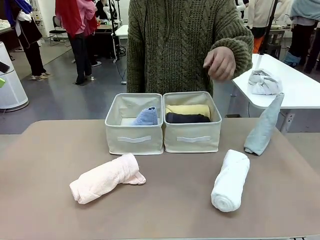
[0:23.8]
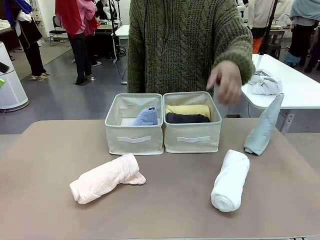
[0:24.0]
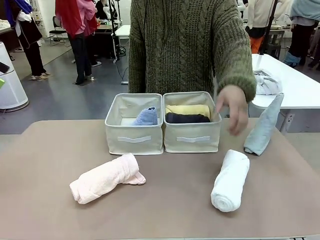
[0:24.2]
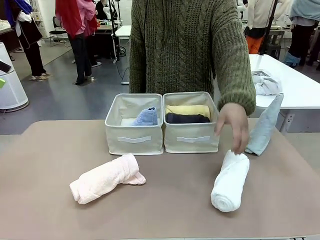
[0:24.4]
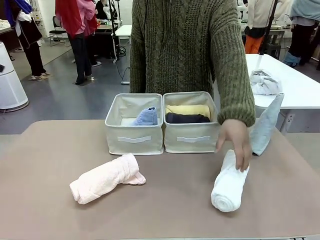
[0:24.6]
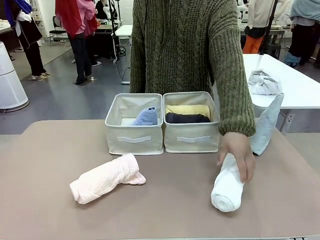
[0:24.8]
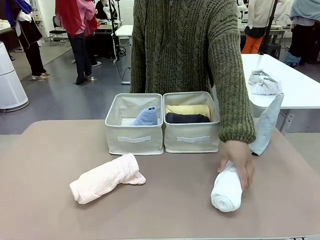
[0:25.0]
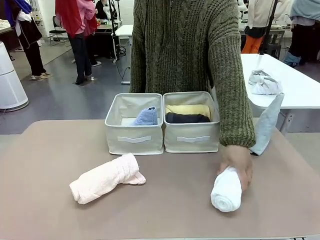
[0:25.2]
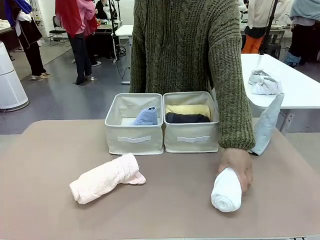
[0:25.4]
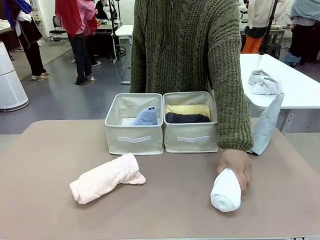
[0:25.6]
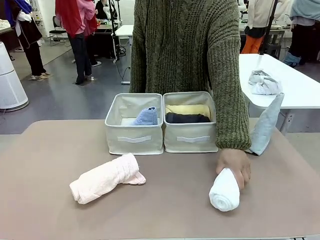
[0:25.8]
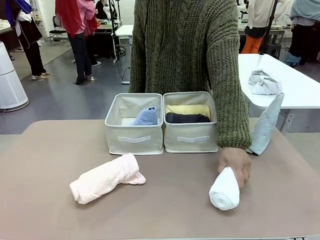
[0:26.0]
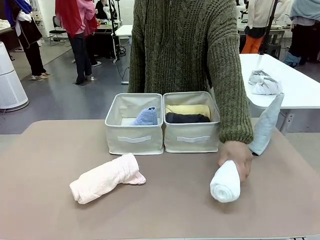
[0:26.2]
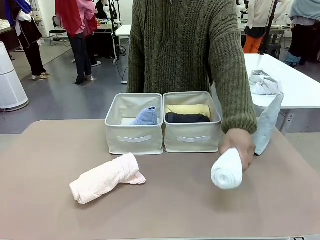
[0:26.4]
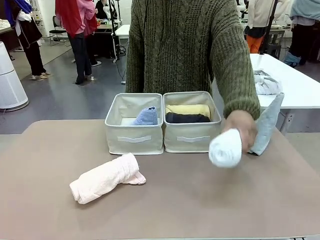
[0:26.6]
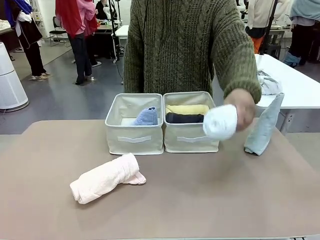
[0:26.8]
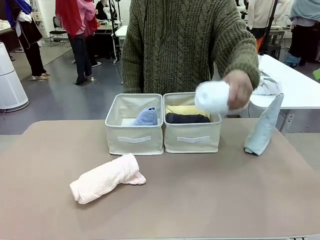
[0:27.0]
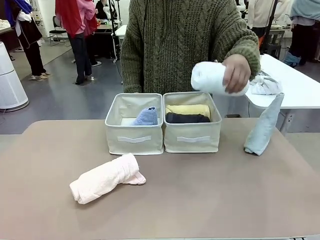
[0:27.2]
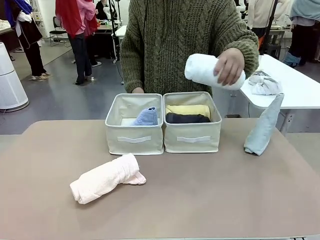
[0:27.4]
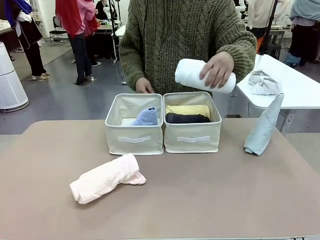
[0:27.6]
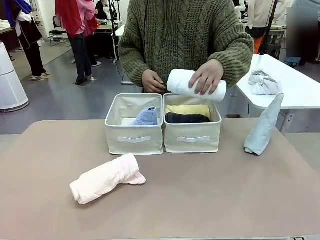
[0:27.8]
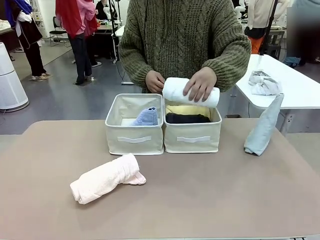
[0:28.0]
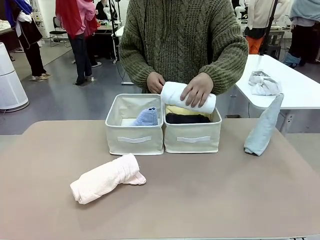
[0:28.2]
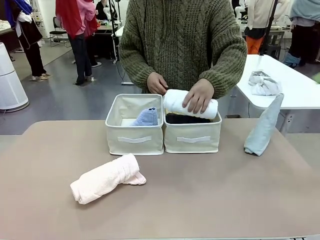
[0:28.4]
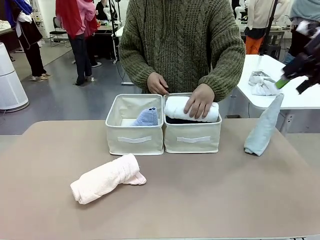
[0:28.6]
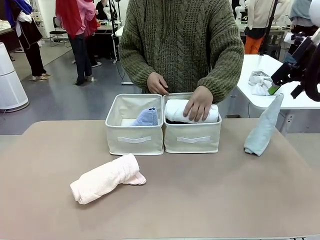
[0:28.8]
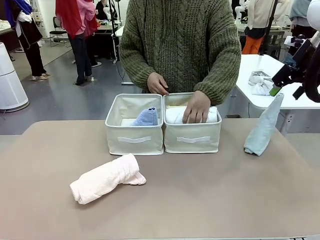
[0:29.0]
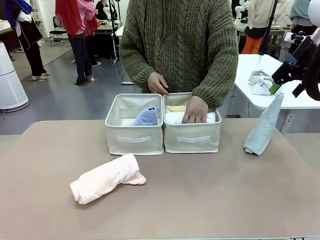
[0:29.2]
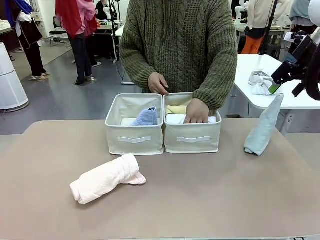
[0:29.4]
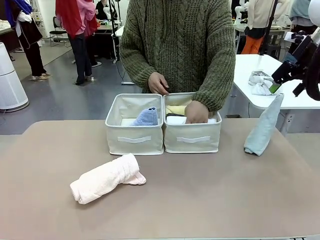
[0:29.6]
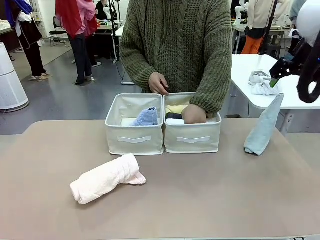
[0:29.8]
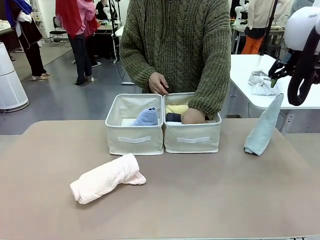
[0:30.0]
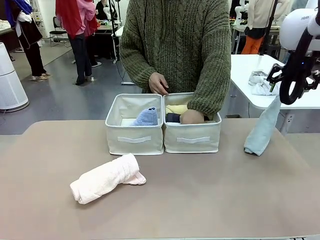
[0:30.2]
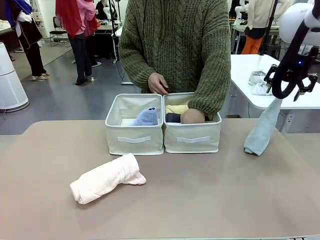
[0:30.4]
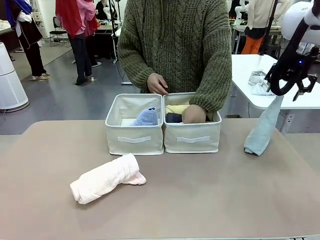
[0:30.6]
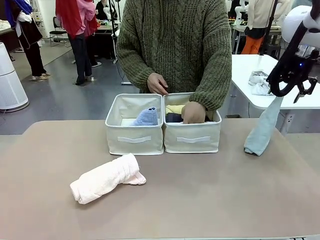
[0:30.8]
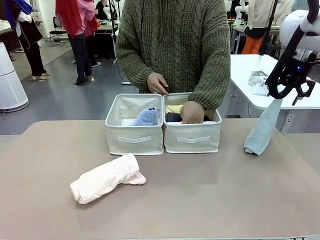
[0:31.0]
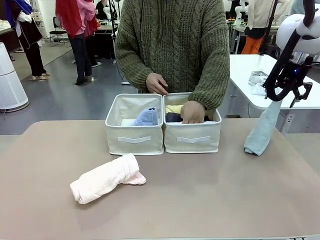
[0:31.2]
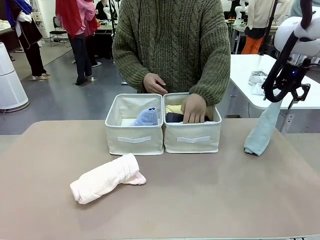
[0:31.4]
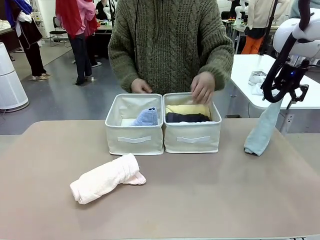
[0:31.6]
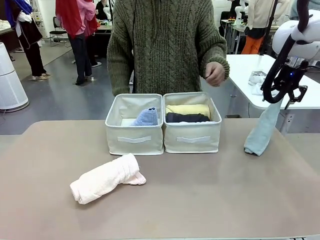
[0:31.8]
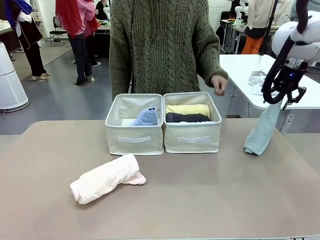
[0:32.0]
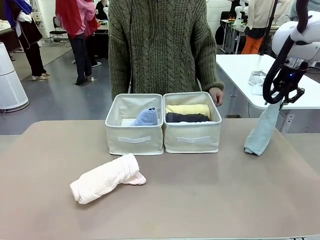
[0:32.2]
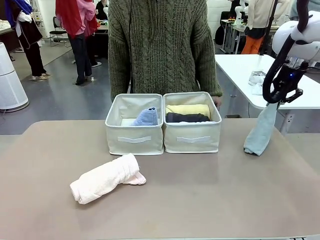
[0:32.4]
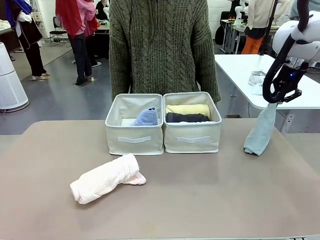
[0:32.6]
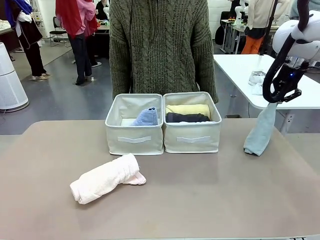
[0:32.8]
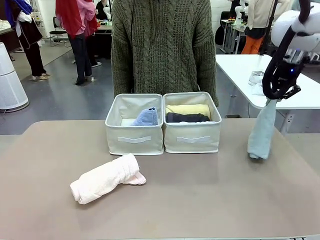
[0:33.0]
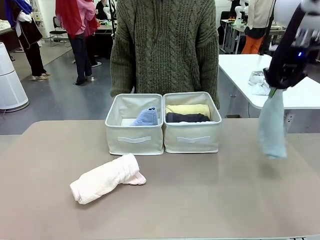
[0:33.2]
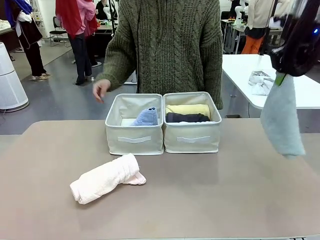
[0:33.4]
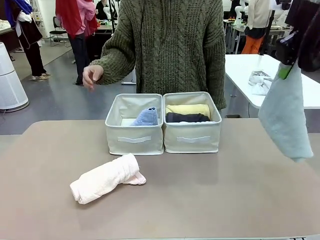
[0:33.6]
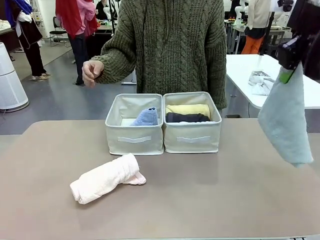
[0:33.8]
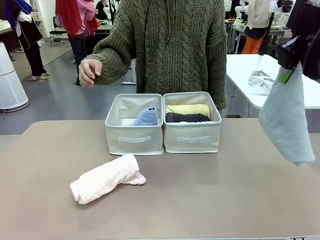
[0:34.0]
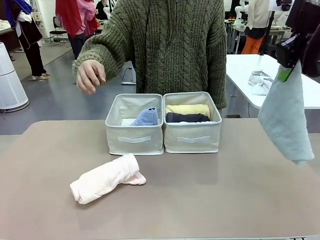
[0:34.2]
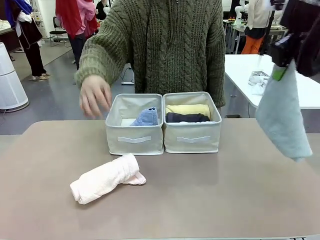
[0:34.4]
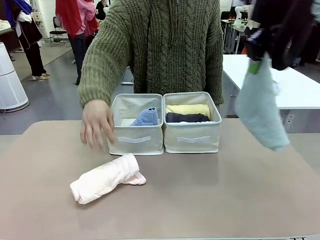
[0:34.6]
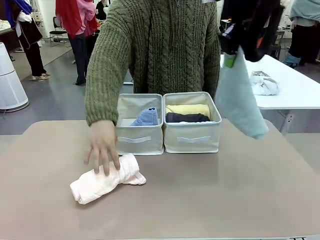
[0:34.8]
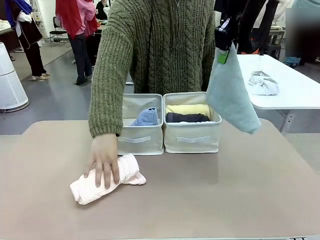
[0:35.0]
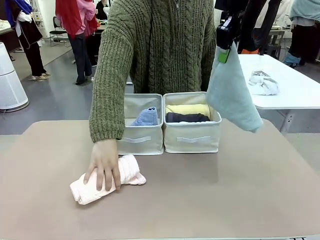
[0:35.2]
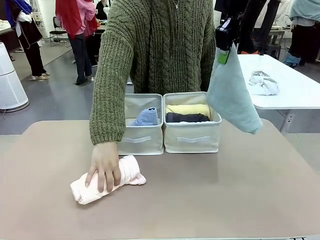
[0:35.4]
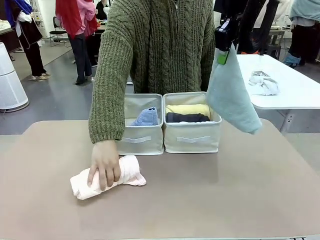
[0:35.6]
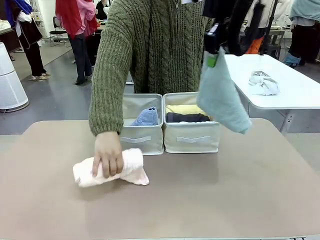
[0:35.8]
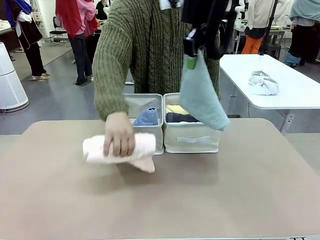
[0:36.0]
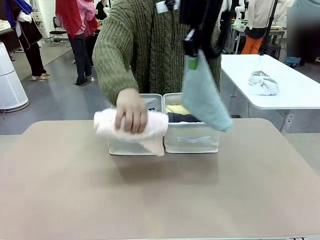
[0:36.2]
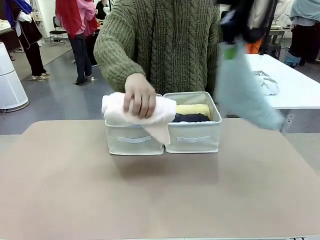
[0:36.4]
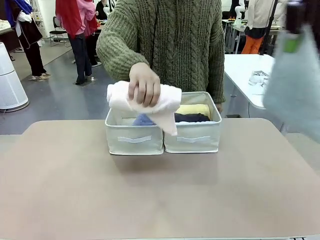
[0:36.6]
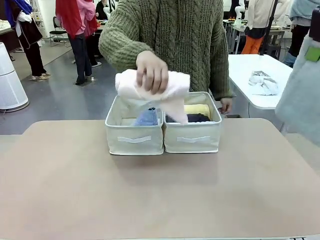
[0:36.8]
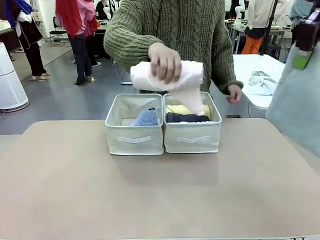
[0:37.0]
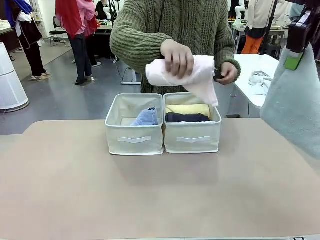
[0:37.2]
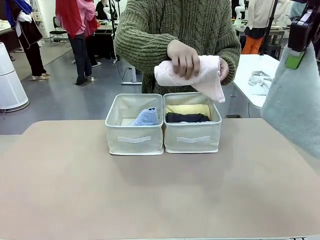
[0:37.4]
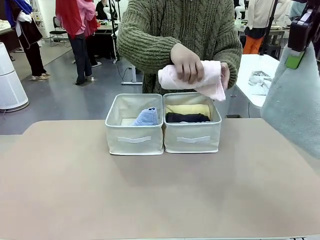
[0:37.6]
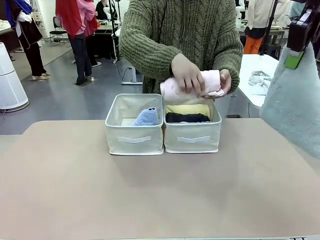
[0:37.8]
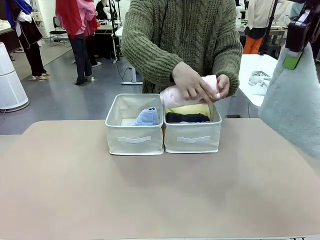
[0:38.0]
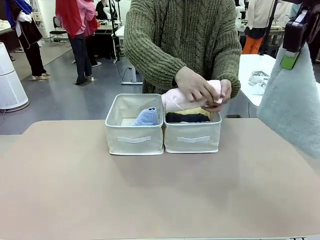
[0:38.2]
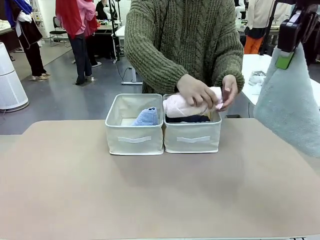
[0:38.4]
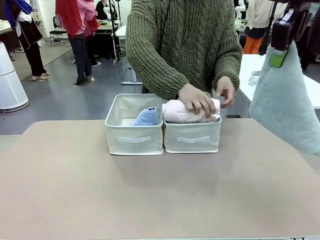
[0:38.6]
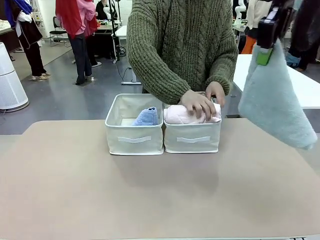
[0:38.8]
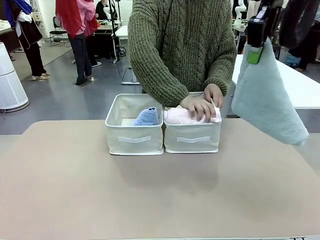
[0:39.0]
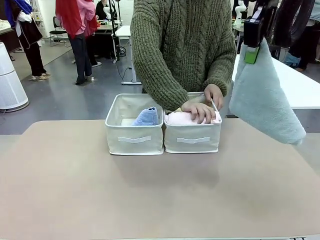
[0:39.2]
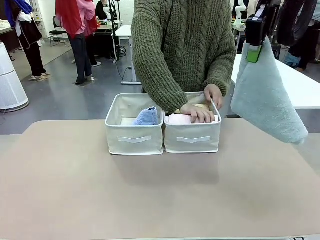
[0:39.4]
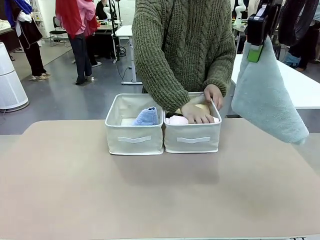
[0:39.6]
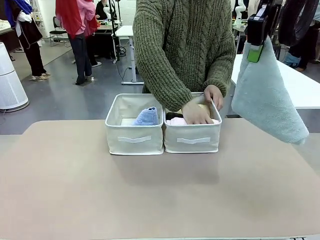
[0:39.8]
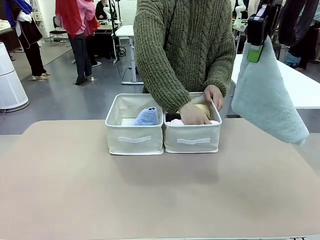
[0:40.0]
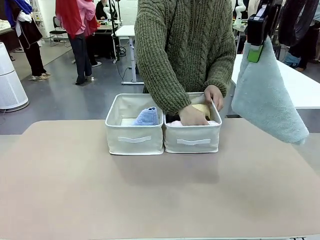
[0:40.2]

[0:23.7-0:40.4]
Task: Sort the towels based on their folding style.
Robot: Pick up another triangle-folded towel from the table and place it in the left Fabric basket.
